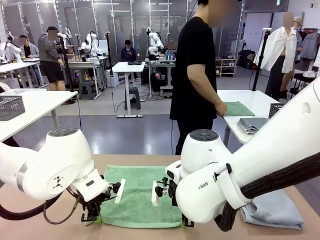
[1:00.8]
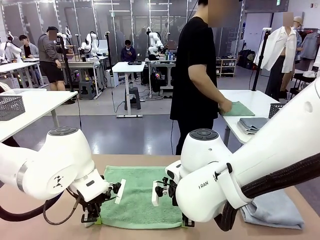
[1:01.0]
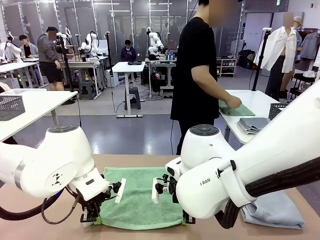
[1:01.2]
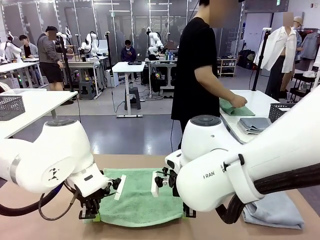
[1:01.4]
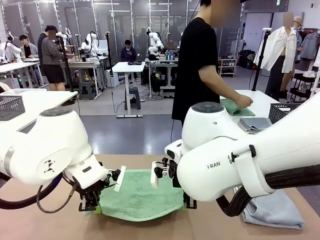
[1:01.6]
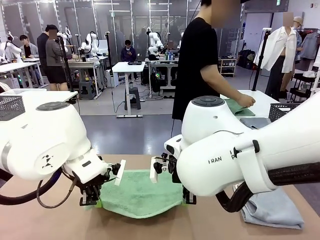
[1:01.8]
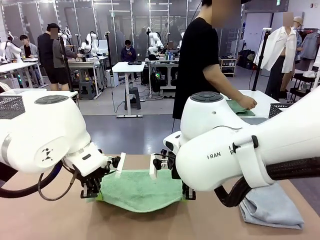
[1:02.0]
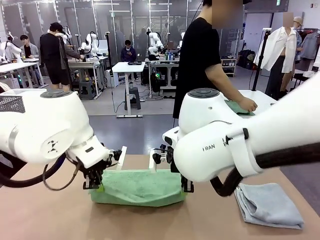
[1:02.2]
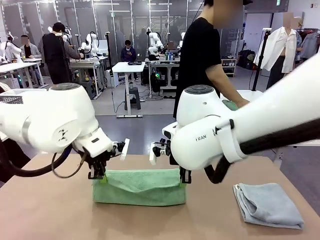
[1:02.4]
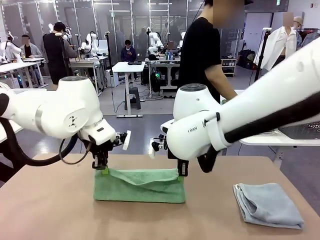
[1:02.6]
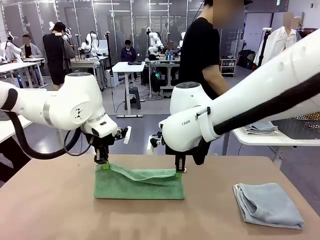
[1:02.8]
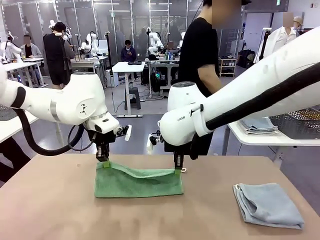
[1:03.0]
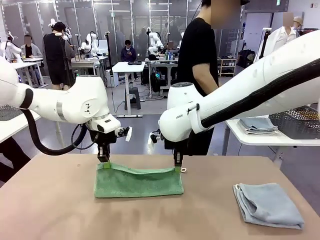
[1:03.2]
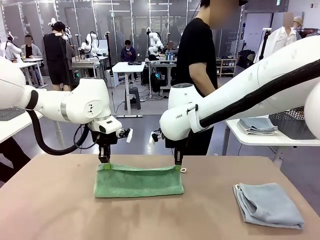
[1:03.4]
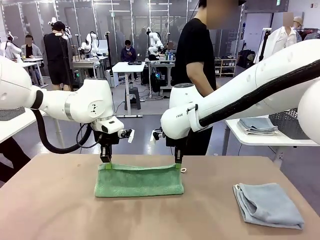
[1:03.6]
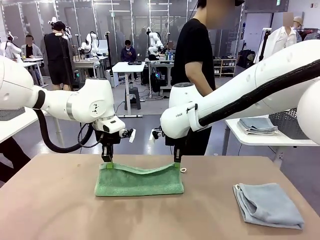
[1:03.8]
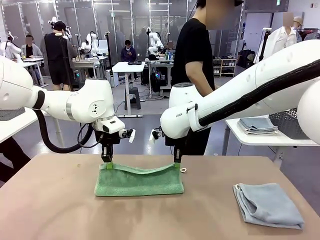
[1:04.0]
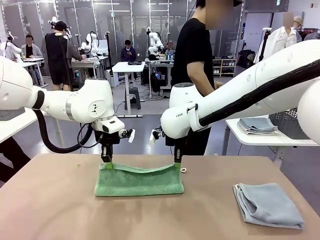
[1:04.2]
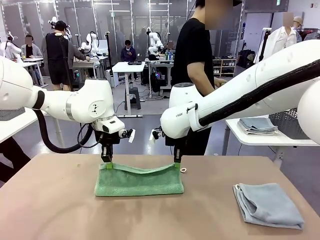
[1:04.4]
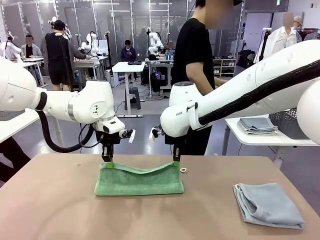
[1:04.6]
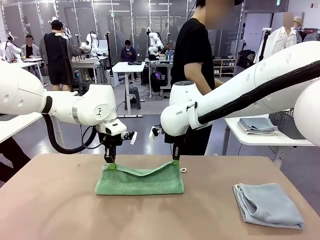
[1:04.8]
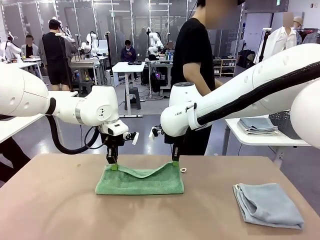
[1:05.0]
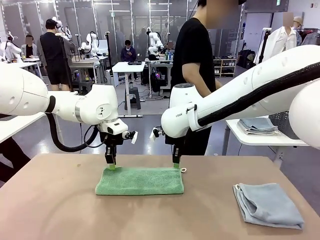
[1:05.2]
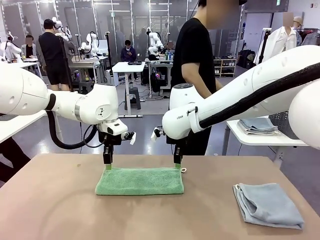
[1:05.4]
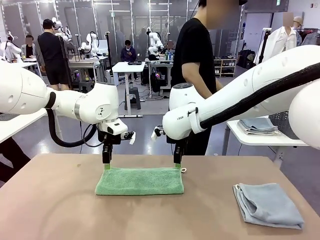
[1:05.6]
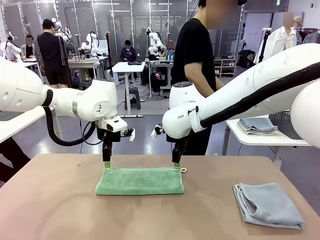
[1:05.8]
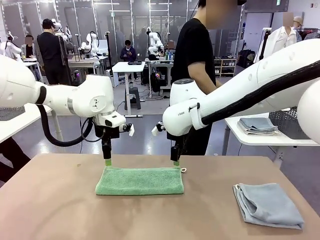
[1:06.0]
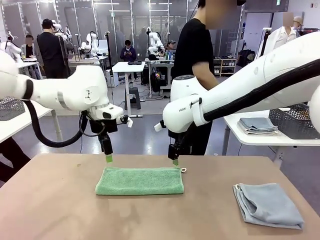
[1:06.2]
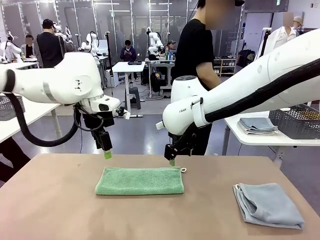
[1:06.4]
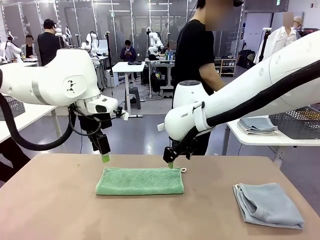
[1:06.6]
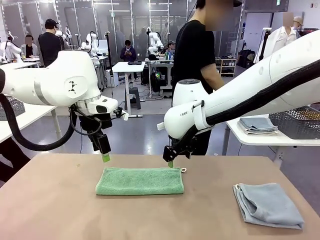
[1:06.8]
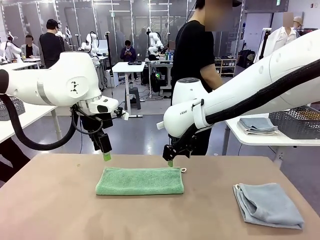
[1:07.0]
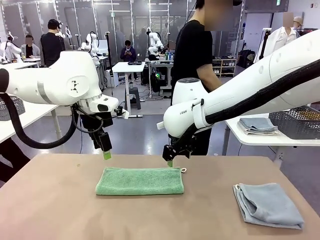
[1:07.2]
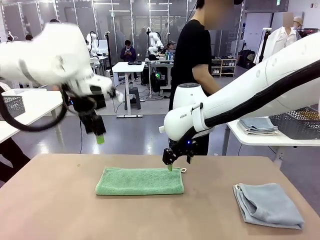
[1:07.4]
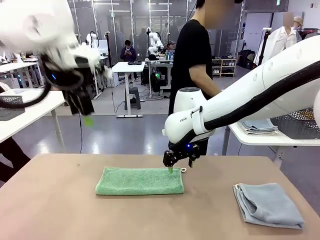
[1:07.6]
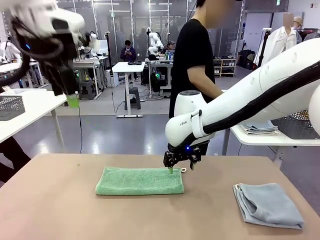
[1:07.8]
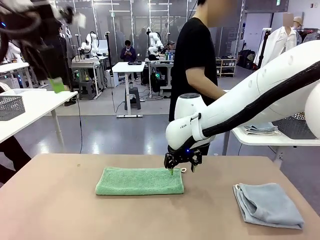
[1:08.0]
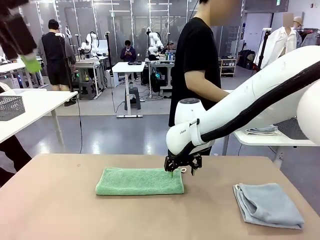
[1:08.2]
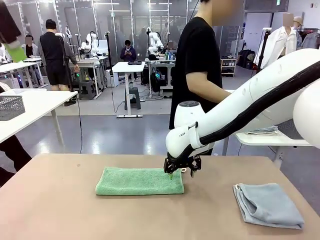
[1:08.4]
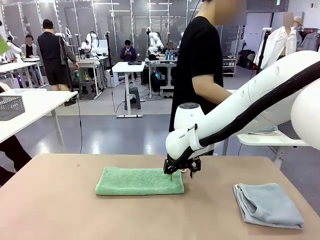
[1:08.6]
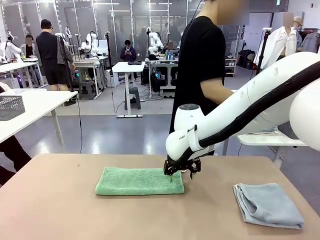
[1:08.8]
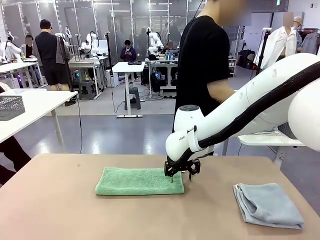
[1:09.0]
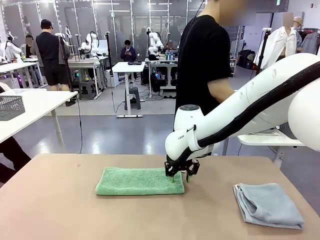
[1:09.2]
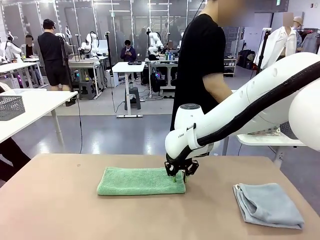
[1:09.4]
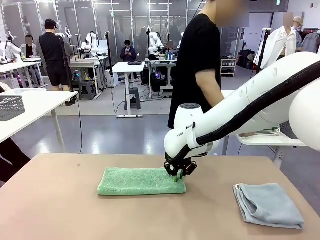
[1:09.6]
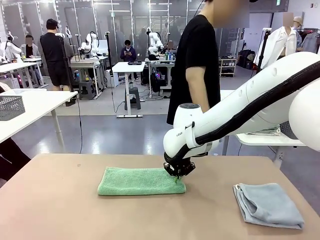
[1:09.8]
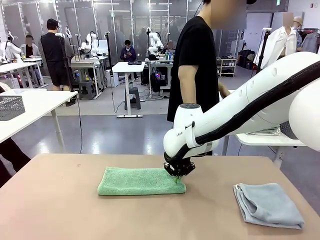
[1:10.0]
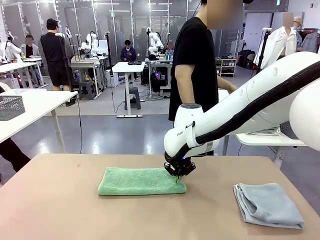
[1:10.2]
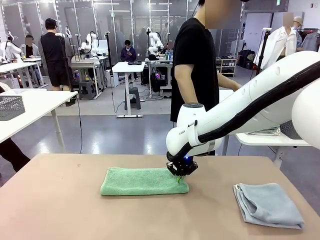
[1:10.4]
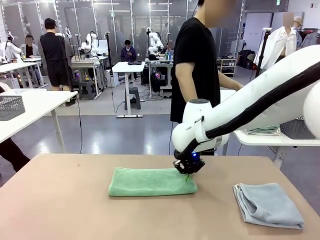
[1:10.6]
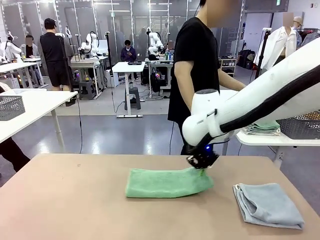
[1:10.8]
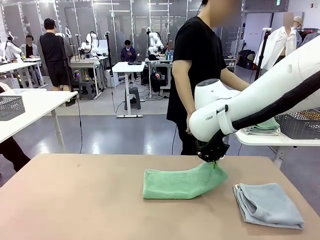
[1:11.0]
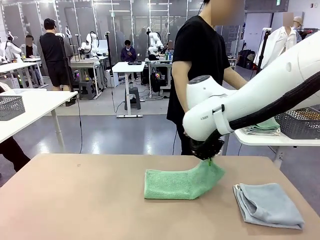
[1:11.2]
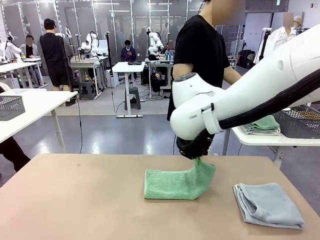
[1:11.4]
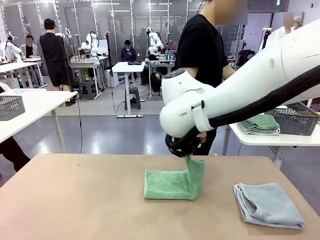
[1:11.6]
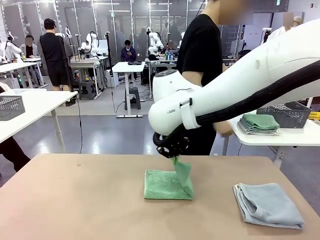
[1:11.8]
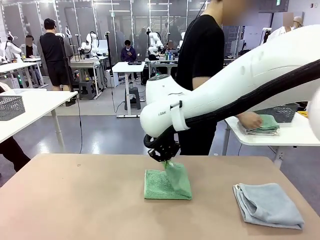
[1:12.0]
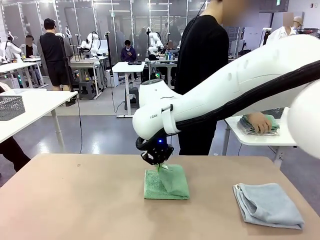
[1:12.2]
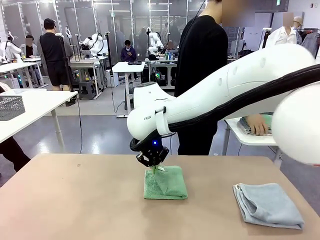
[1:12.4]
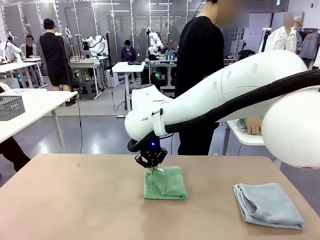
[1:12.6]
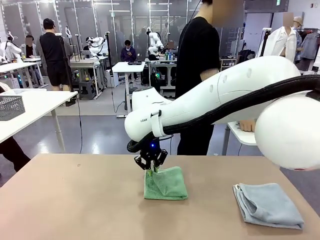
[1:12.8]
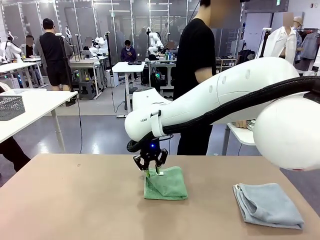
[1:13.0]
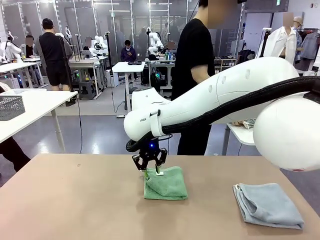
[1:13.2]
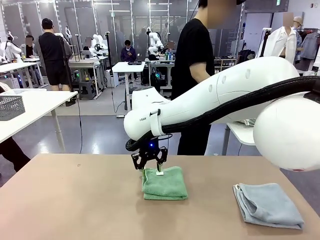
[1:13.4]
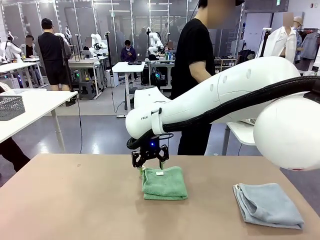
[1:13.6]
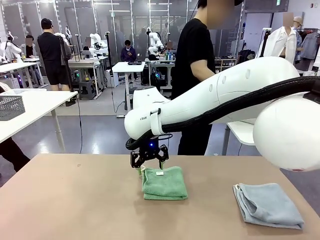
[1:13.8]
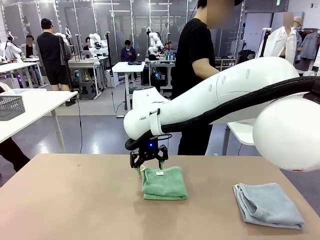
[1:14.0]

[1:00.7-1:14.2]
Task: Fold the towels and place them in the basket.
Robot: When a person lays out a Towel with hook on the table, fold it in half twice.
Person: Pick up one towel from the left side of the human table, fold it in half twice, and stack it on the right side of the table.

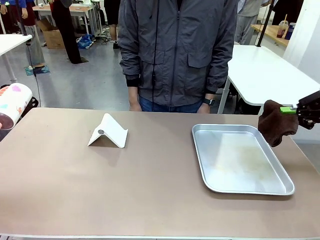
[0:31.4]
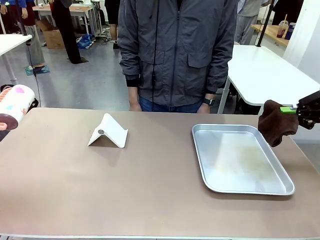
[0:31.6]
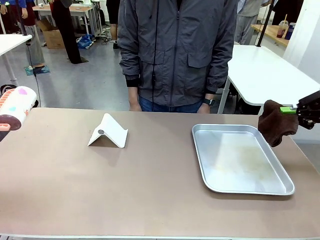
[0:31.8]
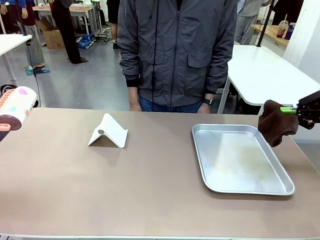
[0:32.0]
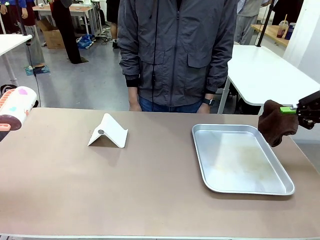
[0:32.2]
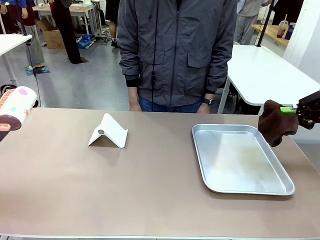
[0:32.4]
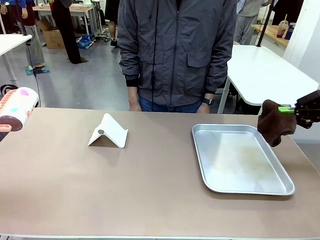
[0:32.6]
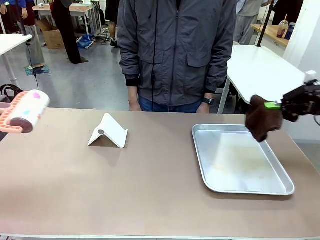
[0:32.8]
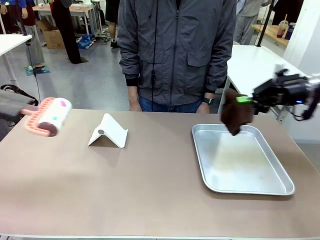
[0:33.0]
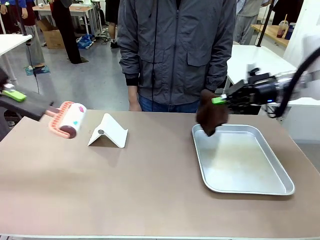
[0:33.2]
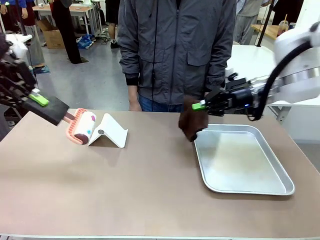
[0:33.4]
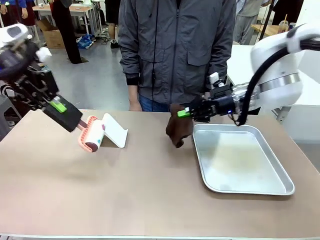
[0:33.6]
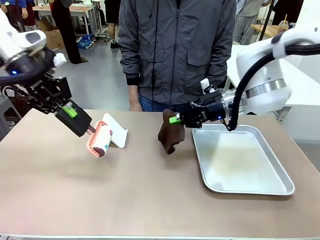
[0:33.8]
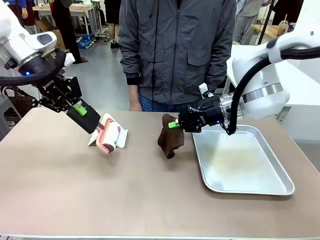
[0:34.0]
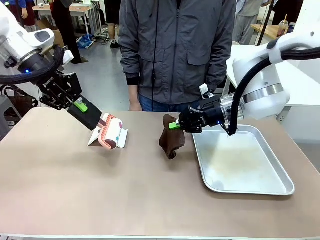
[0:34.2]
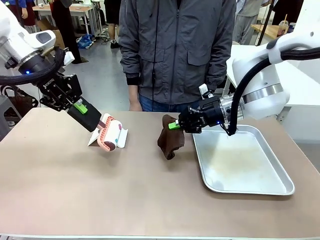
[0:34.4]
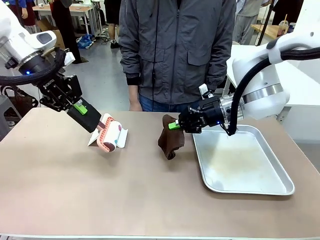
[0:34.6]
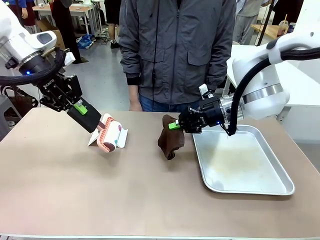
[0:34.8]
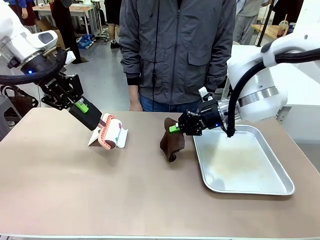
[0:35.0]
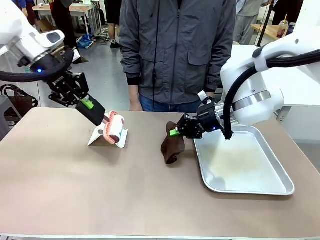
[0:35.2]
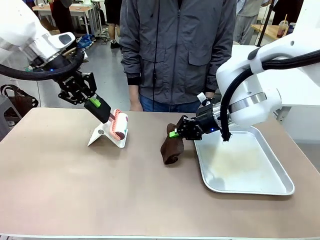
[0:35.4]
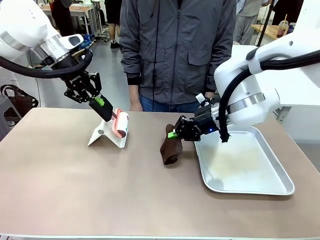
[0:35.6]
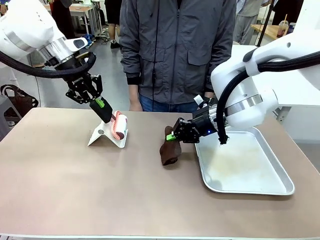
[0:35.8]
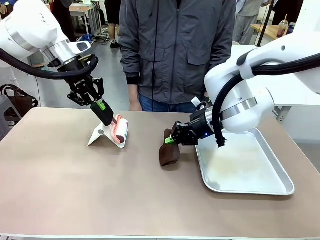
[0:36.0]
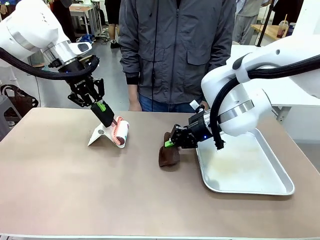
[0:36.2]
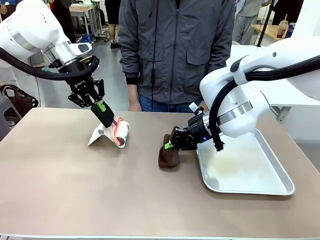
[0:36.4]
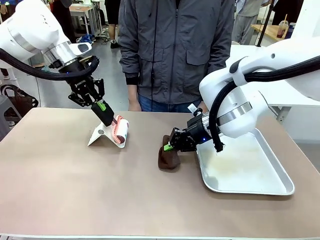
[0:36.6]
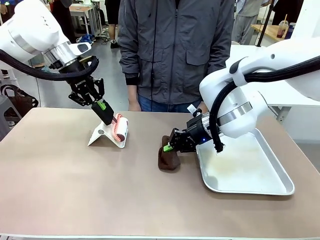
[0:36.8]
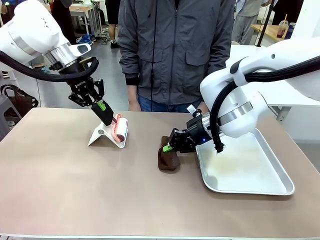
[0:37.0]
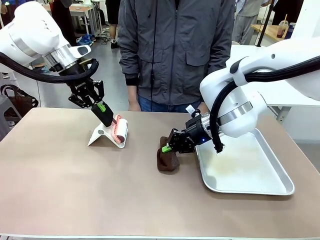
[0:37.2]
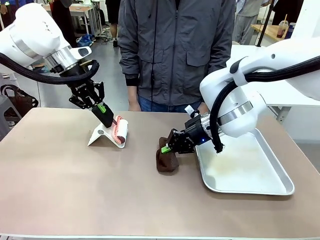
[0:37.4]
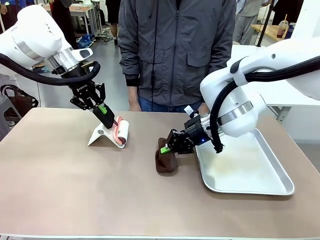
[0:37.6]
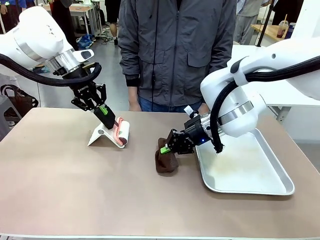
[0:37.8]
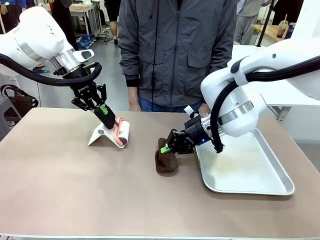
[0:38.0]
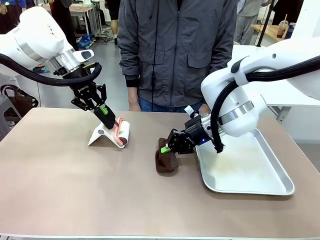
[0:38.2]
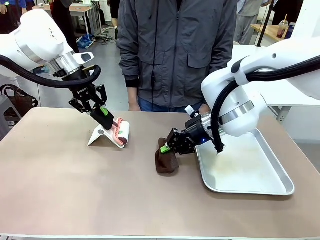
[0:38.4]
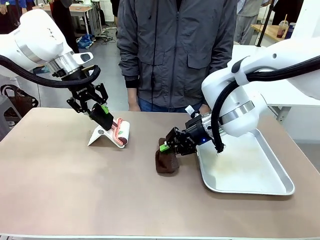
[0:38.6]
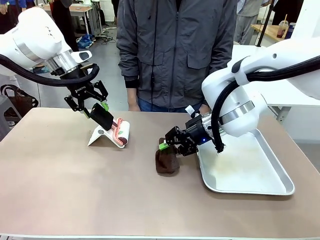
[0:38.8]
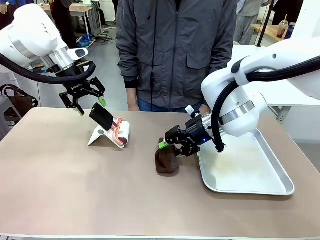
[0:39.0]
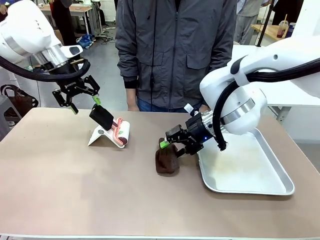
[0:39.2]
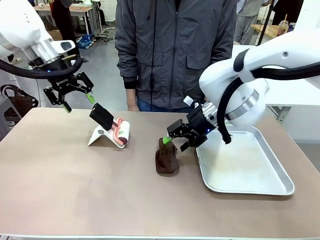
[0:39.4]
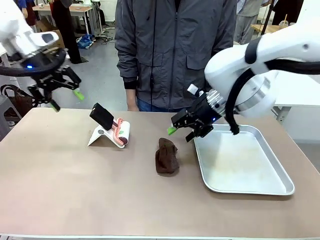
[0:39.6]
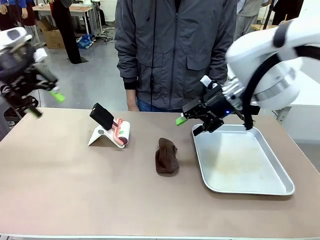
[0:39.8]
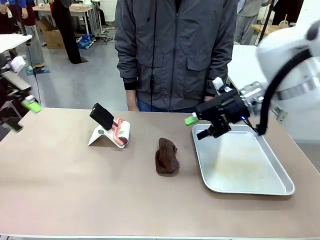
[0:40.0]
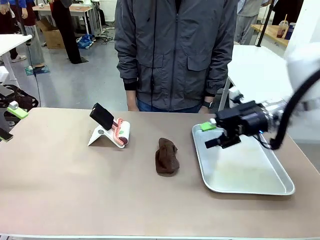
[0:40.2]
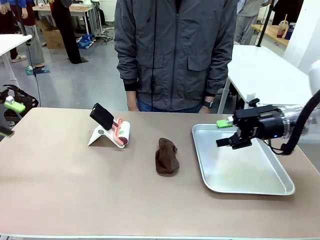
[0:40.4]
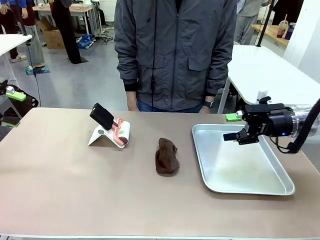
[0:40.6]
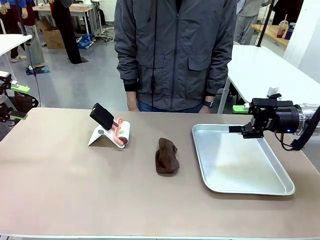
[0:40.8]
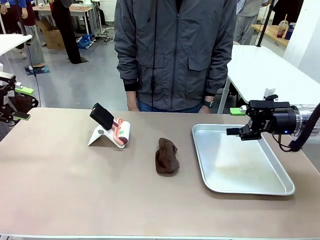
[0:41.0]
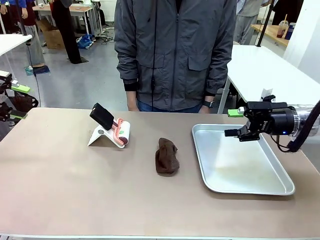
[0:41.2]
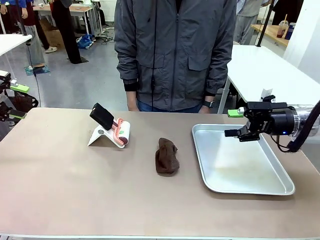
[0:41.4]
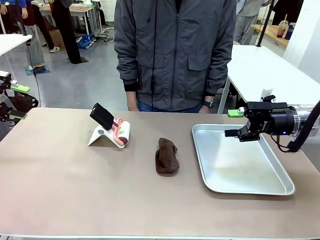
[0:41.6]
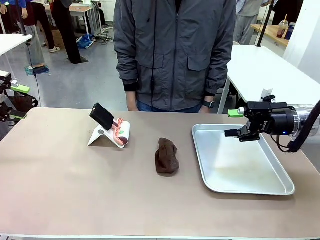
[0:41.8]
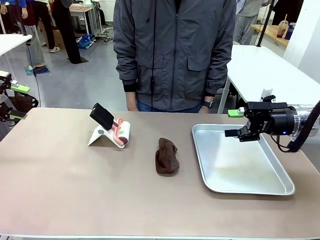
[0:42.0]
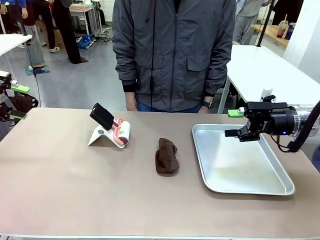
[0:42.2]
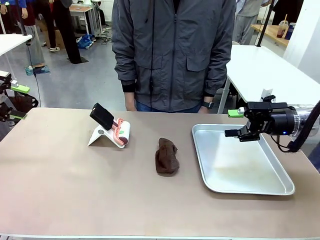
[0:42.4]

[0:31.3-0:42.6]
Task: Clean the surface of the table.
Robot: Return the Lint Roller and towel to their original positions.
